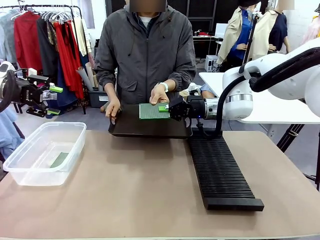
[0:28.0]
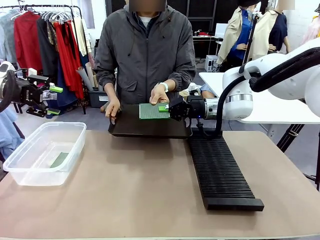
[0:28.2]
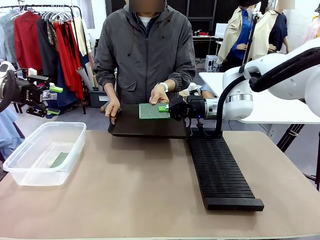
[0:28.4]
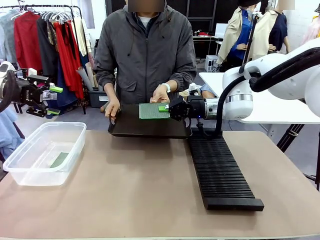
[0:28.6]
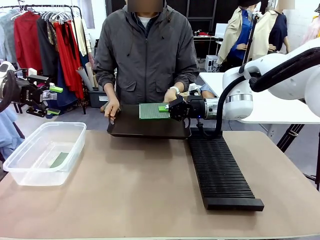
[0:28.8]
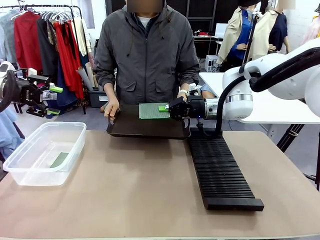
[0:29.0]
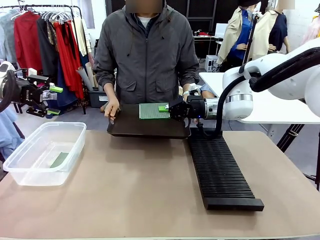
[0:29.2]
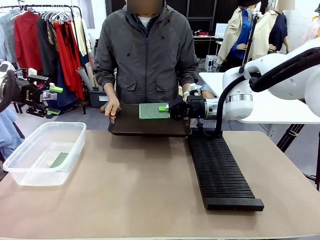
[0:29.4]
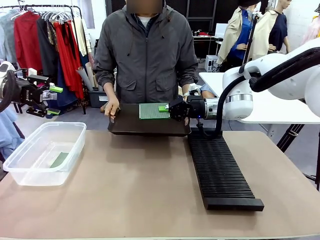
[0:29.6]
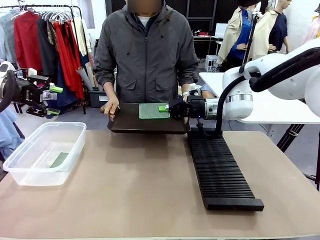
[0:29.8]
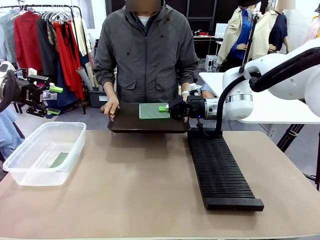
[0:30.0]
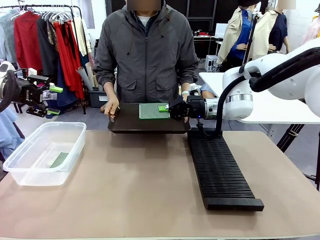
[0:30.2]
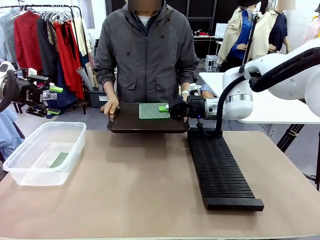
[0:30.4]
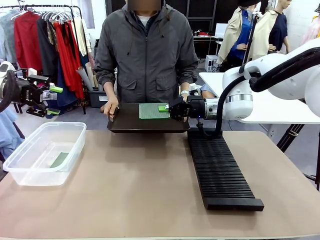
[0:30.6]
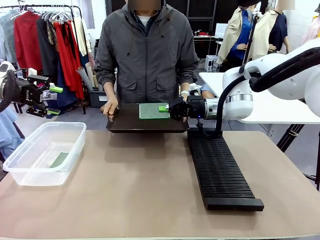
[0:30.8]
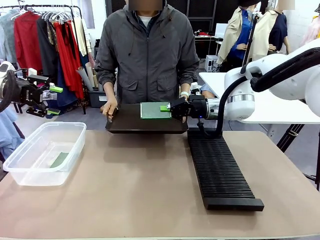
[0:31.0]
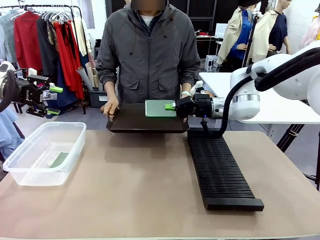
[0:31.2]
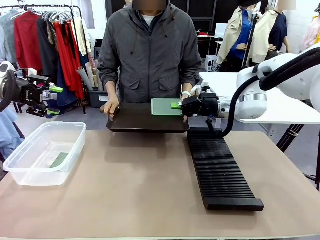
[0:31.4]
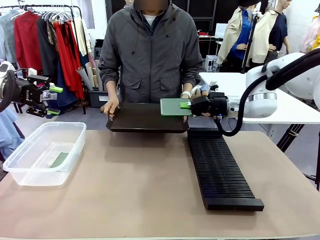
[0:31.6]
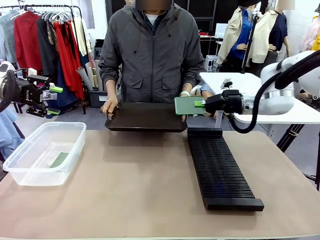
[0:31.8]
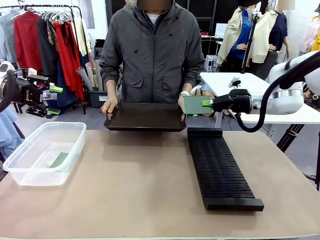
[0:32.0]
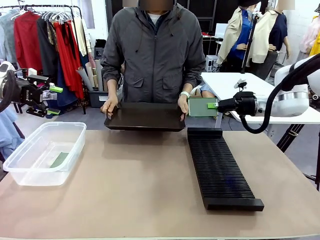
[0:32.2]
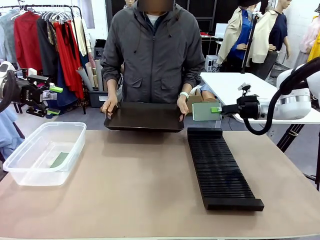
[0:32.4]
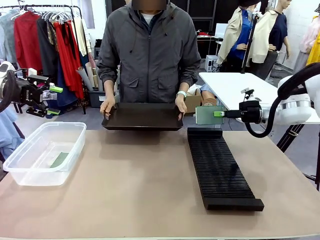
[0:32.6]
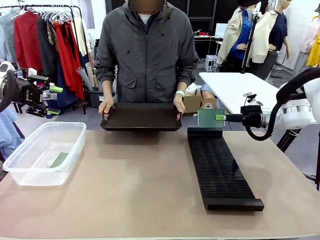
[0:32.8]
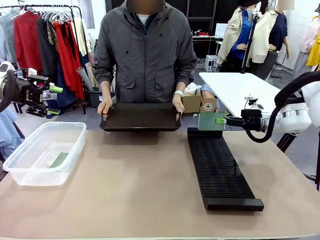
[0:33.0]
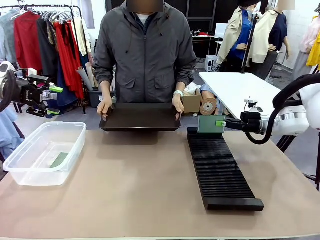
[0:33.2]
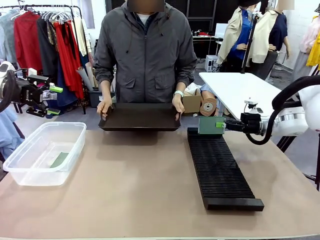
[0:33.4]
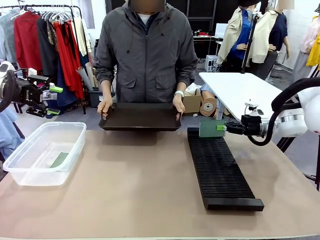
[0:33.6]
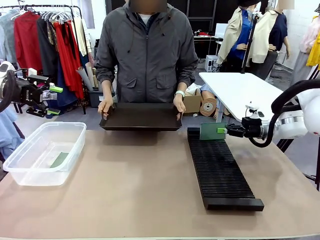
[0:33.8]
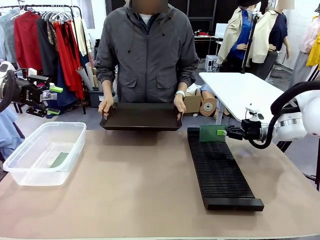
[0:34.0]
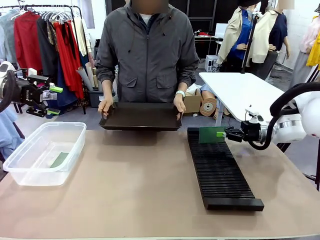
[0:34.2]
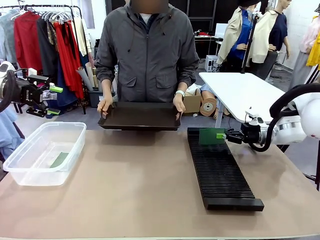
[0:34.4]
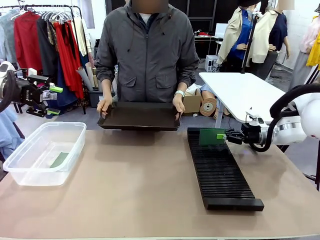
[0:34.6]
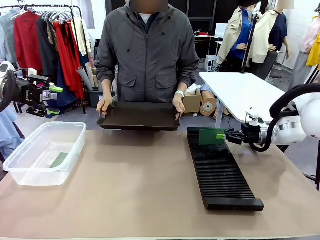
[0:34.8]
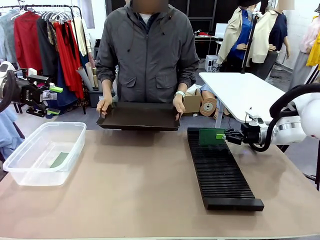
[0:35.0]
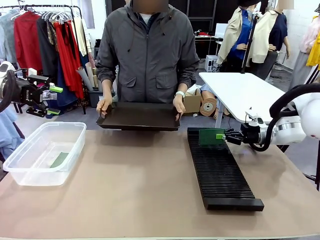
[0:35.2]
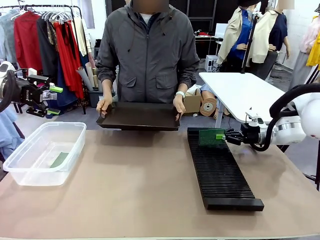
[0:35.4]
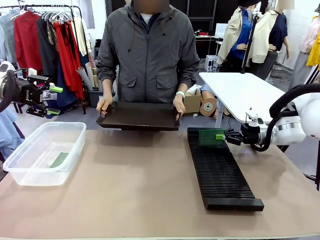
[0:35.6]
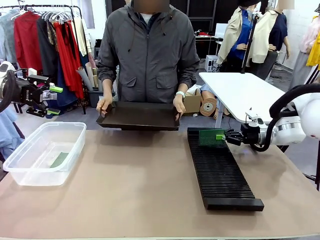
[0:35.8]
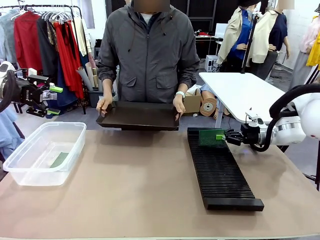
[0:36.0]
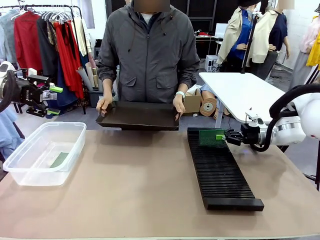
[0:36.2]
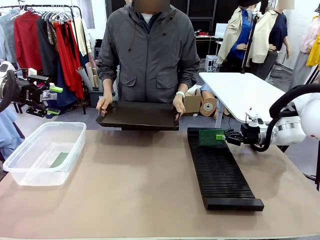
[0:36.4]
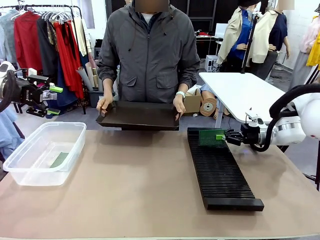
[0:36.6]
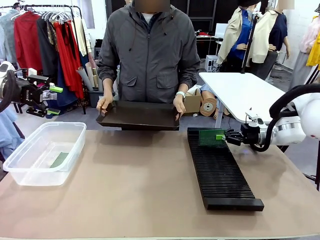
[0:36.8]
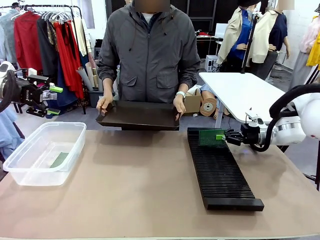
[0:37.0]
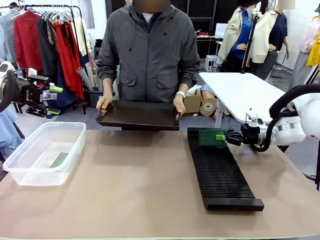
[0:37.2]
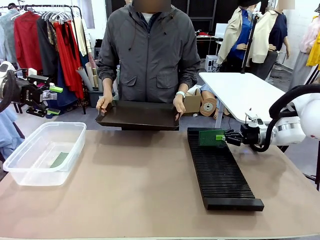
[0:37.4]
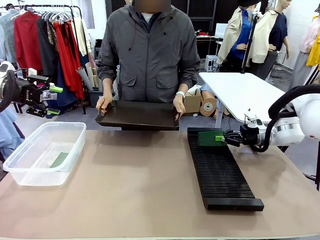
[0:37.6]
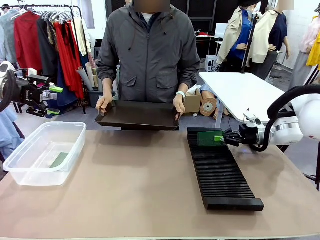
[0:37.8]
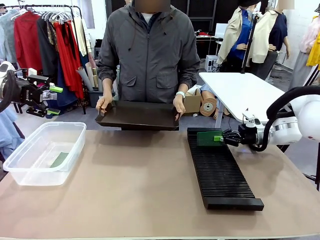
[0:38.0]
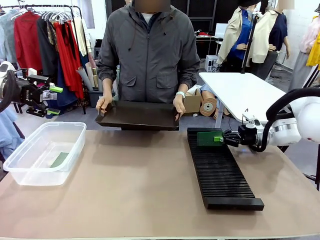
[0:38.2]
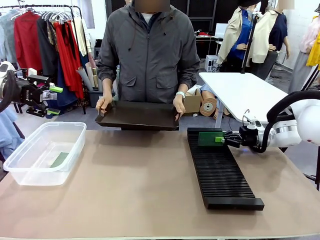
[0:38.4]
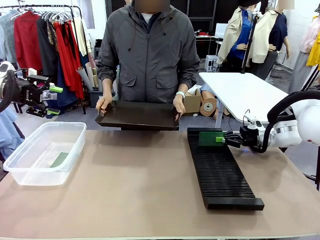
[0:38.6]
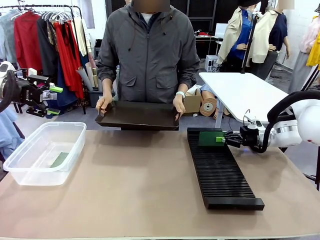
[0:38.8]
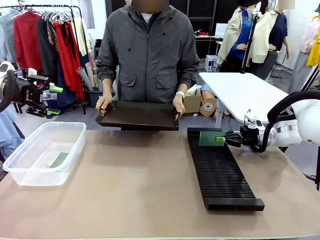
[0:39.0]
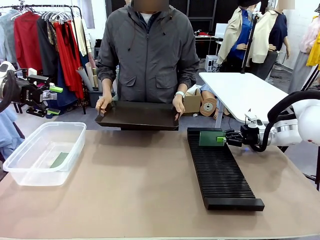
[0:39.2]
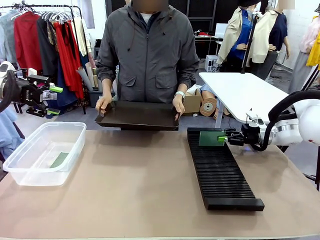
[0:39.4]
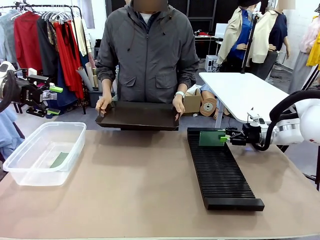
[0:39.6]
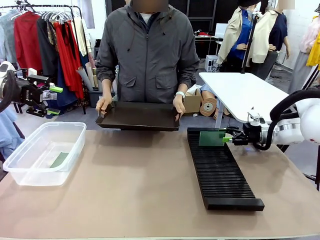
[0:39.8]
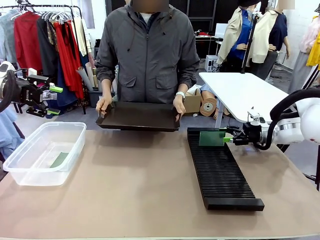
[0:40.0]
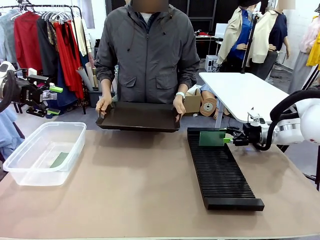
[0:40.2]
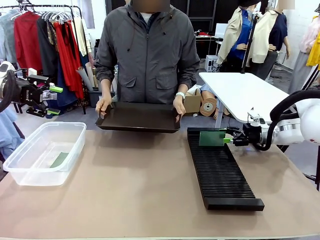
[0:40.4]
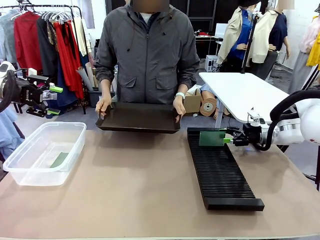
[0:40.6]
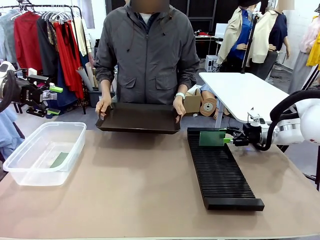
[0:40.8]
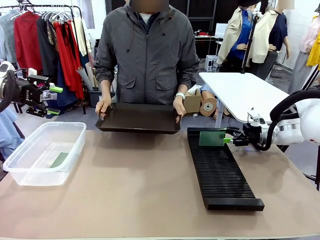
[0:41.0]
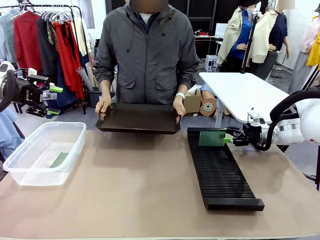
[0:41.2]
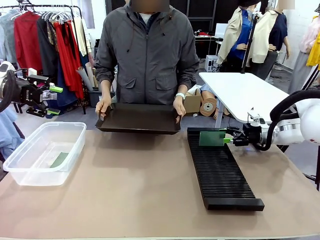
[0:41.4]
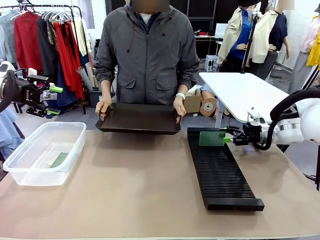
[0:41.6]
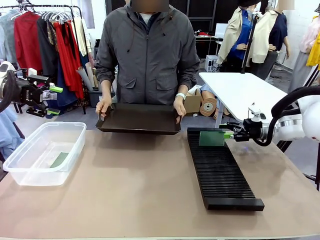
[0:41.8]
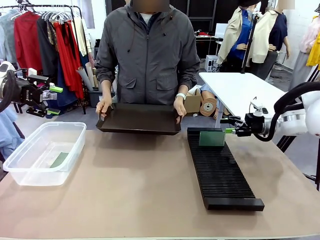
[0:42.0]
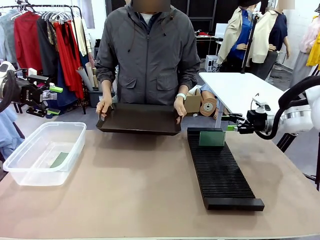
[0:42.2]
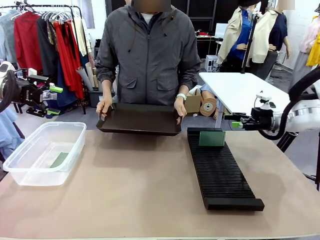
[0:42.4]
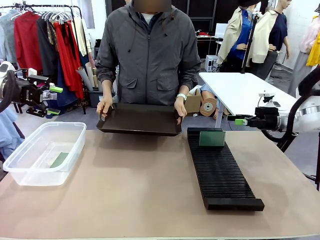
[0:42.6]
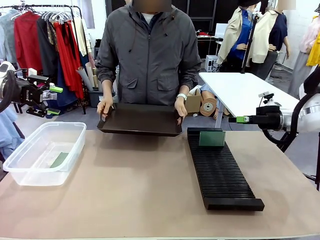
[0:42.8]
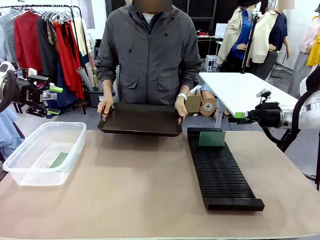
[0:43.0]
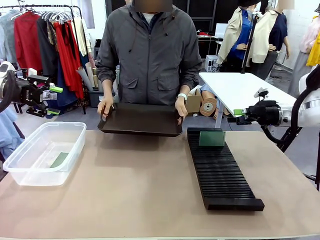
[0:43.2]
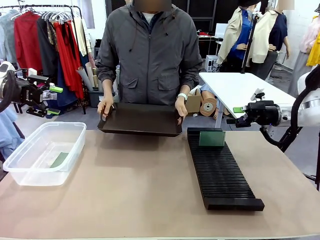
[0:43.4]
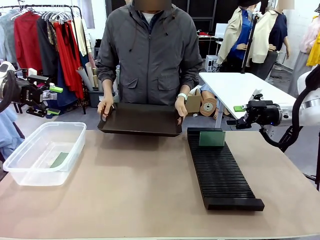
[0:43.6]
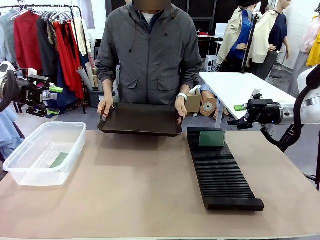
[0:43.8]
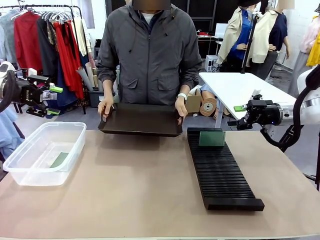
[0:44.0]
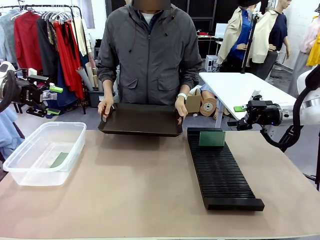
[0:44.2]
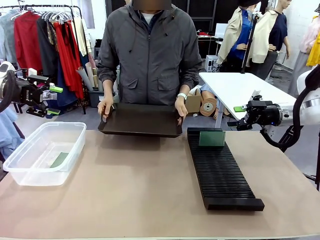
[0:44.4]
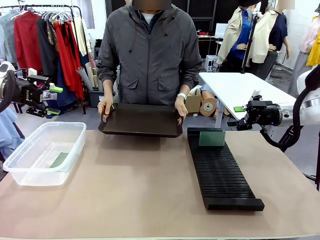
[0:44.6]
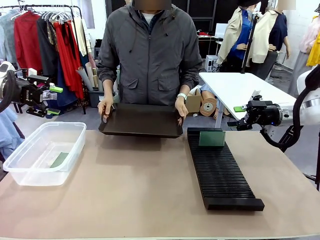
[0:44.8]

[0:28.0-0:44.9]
Task: Sort PCBs into racks and boxes based on the side picked up.
Robot: If the short side of the Blank PCB is picked up, insert it into the PCB Rack ; if the long side is picked up, place it in the Organizing box.
Person: Release the PCB being held.
